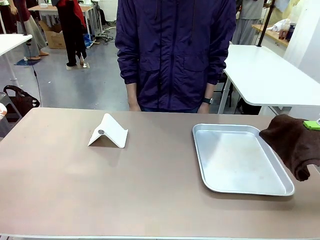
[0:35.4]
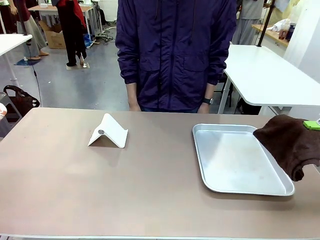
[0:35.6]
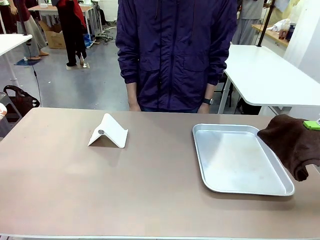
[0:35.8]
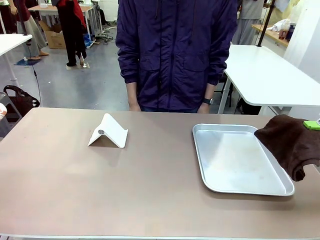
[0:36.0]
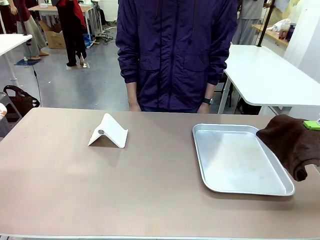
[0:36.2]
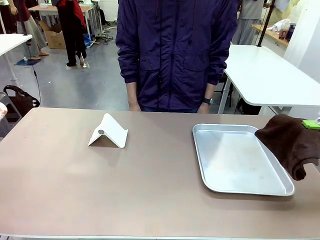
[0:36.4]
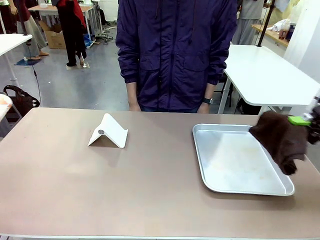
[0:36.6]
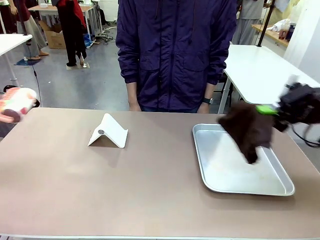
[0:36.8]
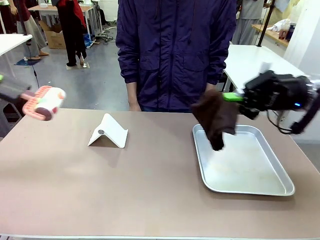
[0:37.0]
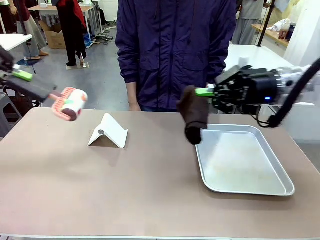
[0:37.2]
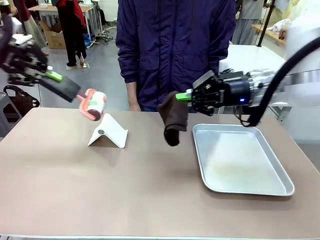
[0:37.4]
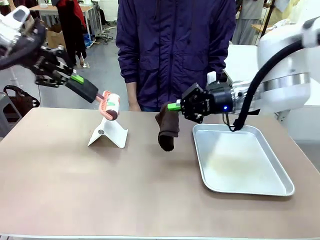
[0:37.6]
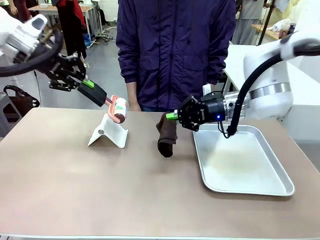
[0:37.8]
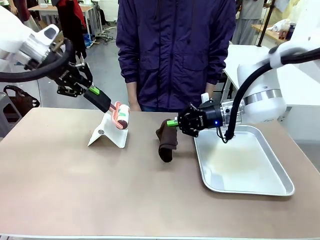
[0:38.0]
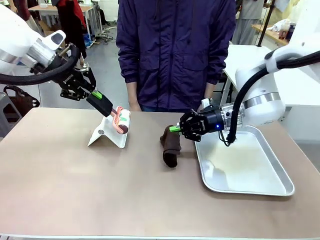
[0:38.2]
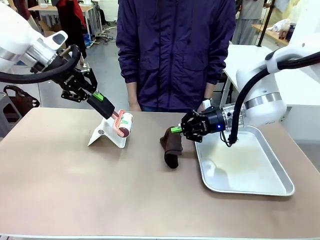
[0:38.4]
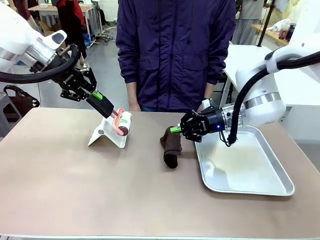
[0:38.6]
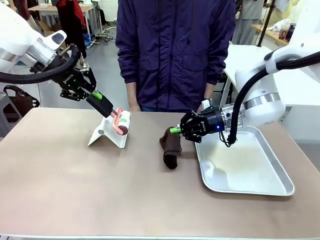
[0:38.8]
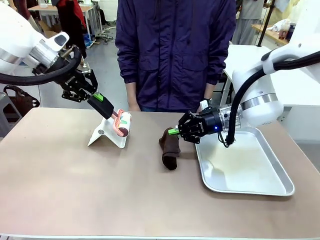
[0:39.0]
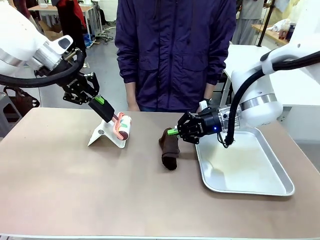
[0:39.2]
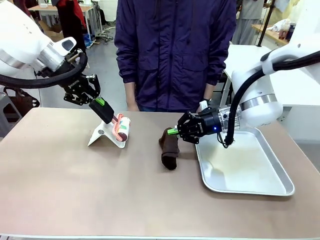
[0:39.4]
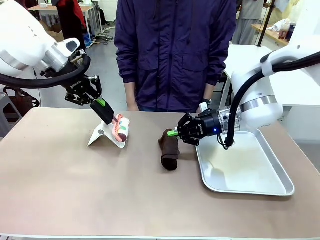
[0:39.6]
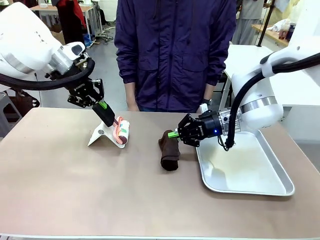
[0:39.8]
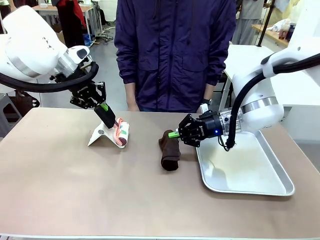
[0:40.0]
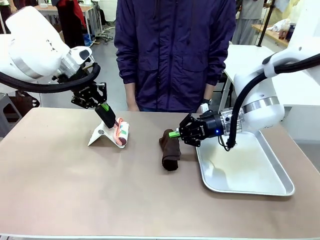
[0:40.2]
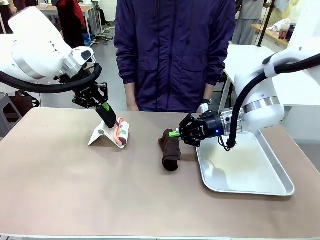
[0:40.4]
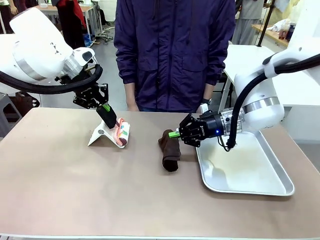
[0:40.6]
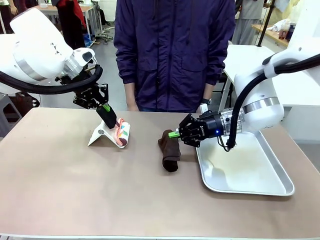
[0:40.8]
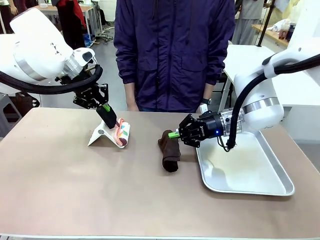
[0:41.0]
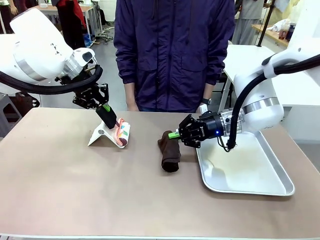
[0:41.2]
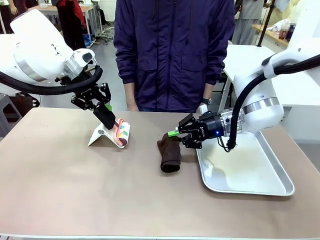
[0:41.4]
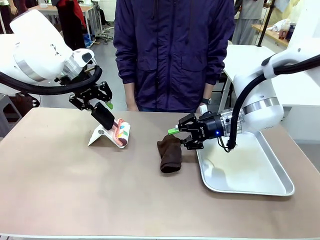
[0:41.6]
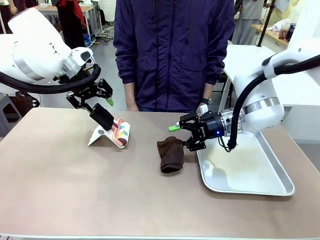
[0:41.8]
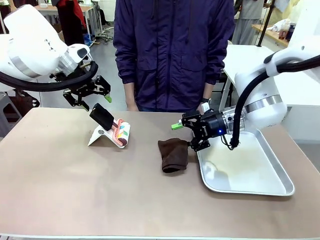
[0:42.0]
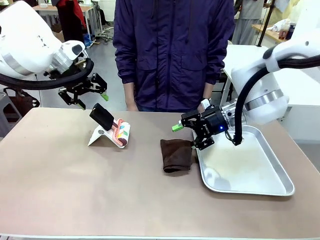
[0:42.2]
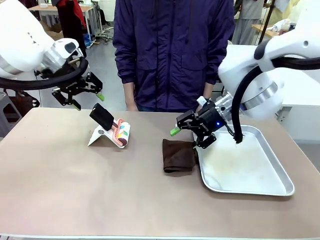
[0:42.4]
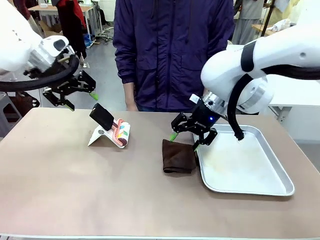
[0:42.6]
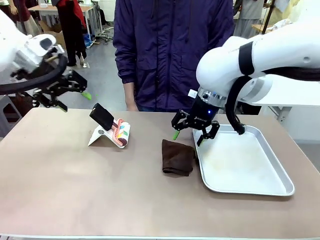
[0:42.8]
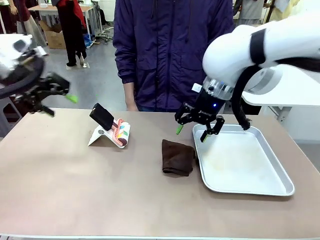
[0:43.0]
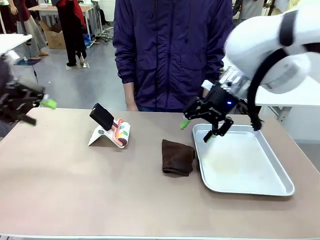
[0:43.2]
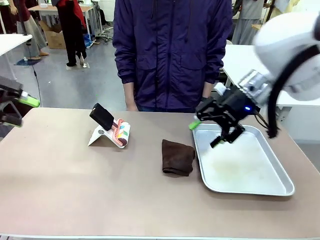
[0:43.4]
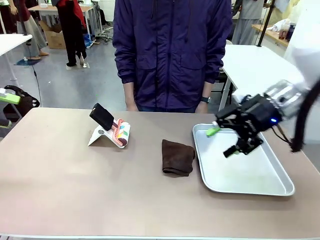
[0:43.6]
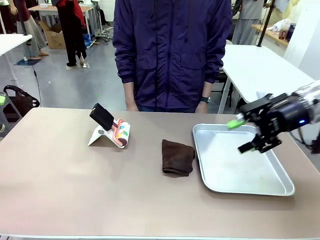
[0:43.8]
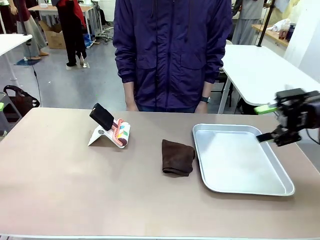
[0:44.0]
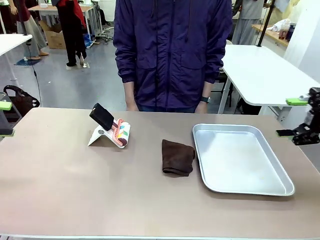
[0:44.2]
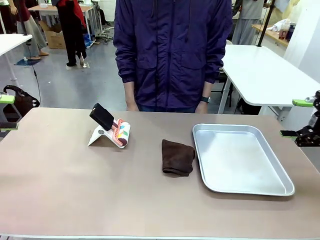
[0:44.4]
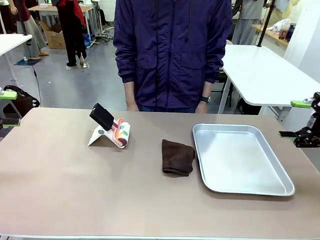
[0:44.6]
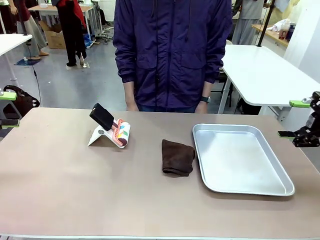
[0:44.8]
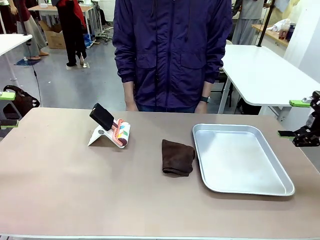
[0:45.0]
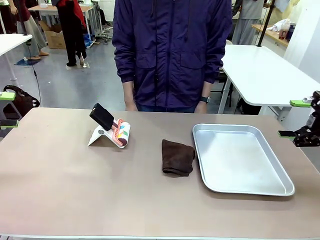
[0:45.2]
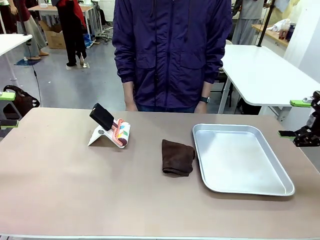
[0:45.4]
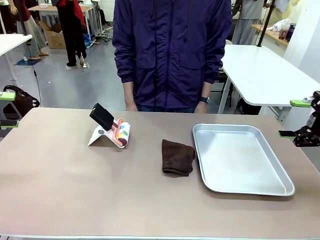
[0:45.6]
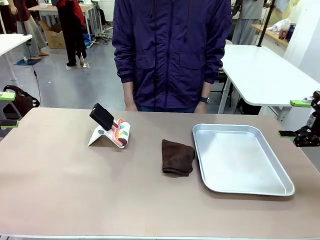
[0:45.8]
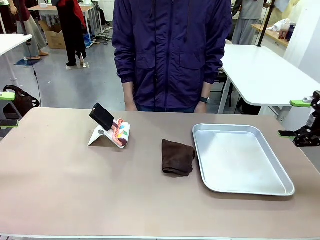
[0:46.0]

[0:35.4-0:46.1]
Task: Clean the surface of the table.
Robot: Return the Lint Roller and towel to their original positions.

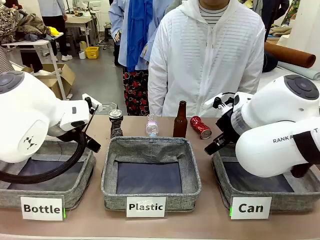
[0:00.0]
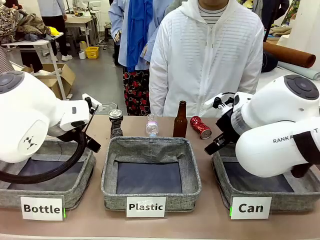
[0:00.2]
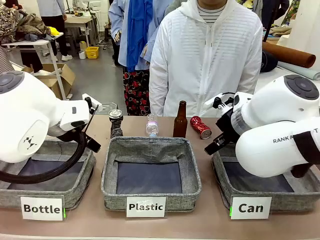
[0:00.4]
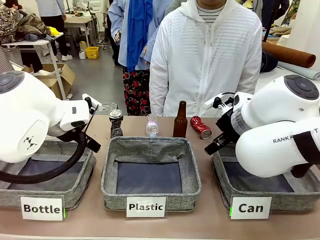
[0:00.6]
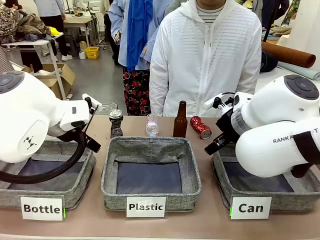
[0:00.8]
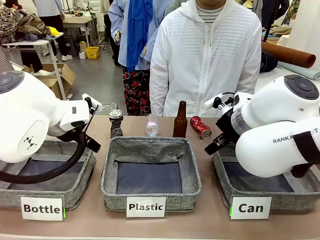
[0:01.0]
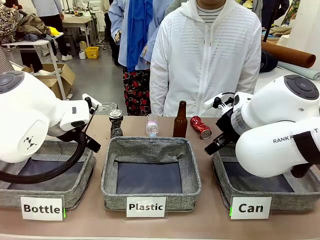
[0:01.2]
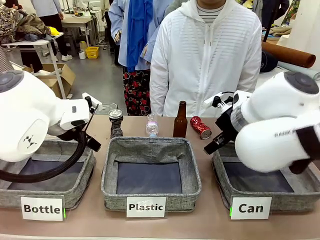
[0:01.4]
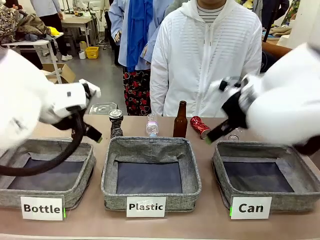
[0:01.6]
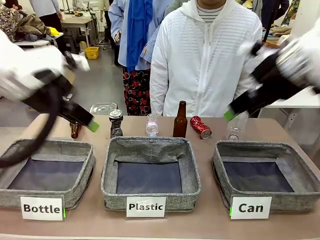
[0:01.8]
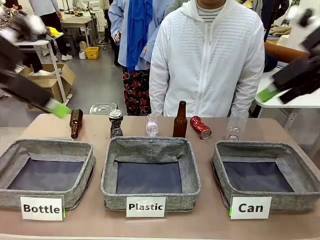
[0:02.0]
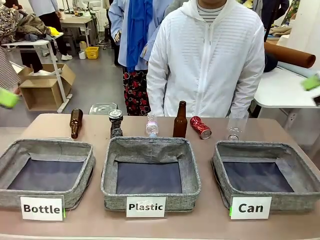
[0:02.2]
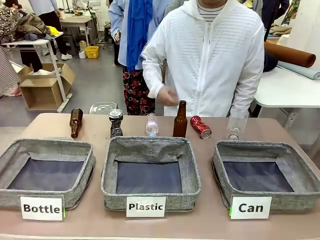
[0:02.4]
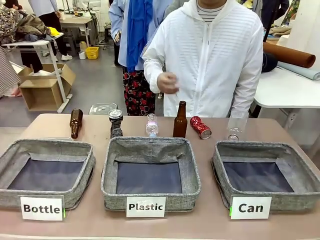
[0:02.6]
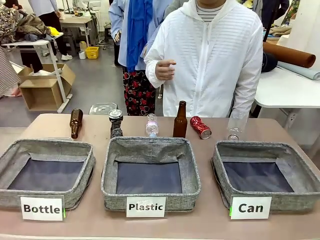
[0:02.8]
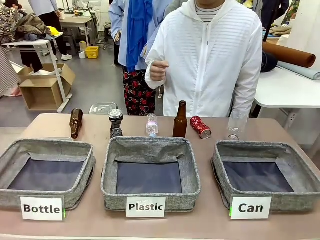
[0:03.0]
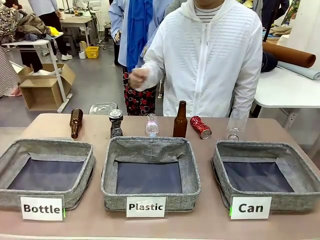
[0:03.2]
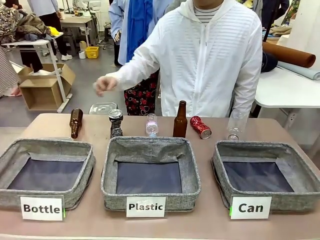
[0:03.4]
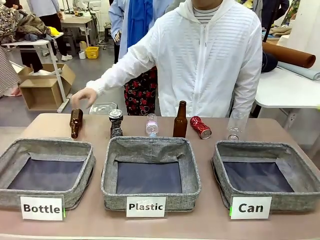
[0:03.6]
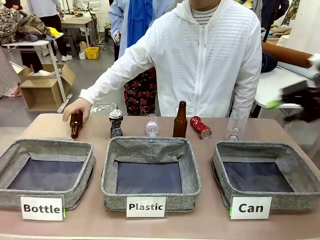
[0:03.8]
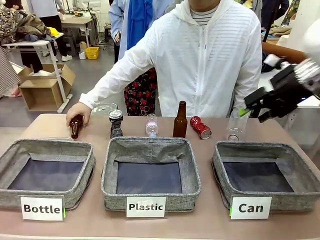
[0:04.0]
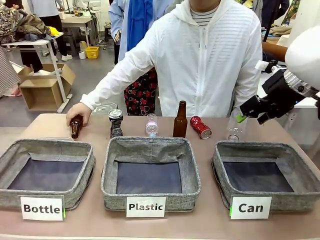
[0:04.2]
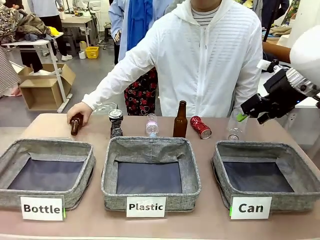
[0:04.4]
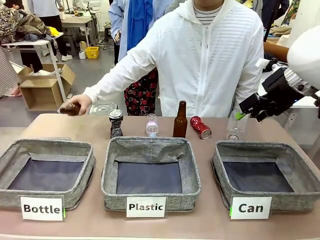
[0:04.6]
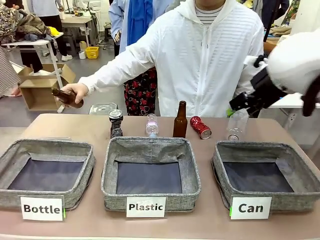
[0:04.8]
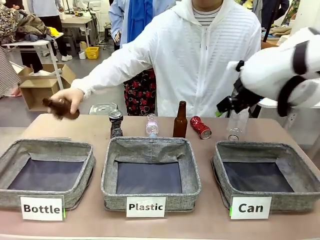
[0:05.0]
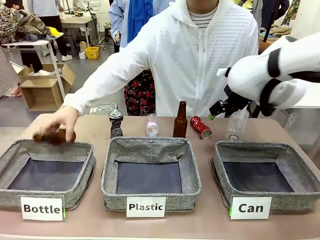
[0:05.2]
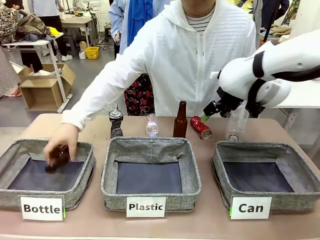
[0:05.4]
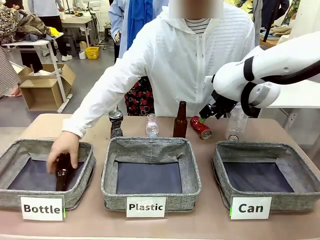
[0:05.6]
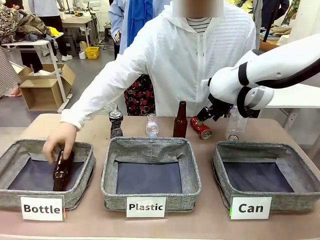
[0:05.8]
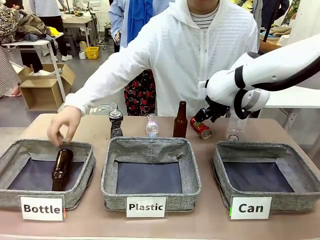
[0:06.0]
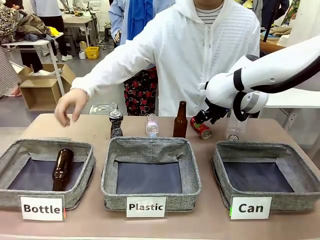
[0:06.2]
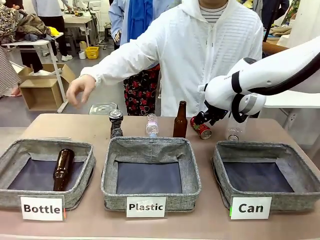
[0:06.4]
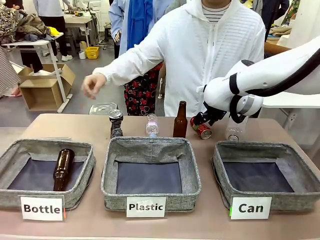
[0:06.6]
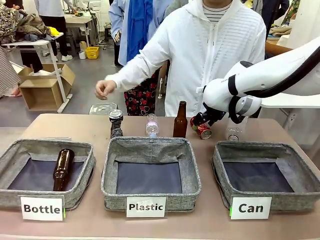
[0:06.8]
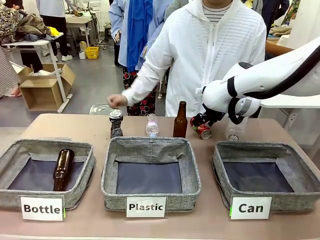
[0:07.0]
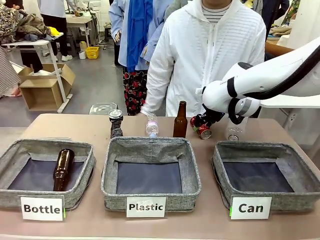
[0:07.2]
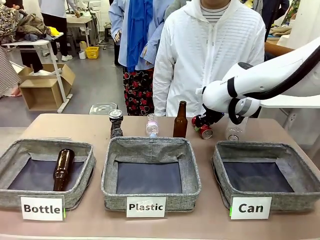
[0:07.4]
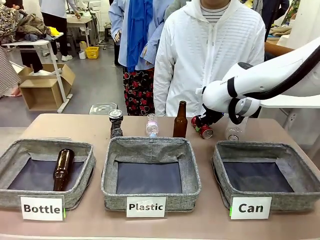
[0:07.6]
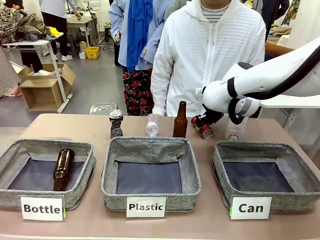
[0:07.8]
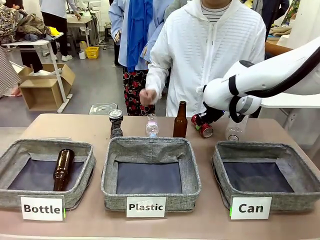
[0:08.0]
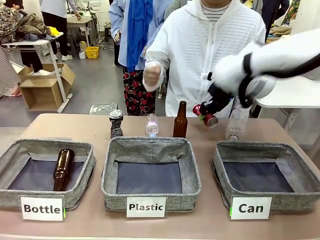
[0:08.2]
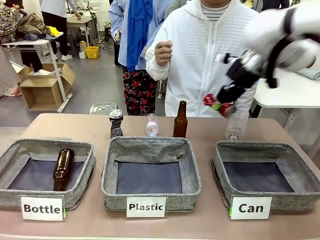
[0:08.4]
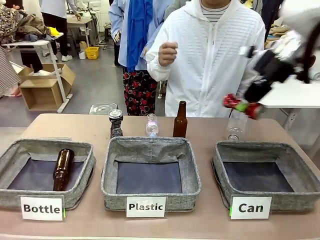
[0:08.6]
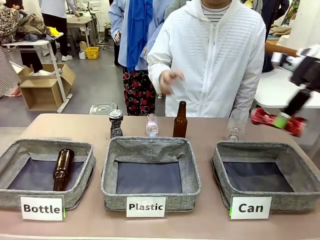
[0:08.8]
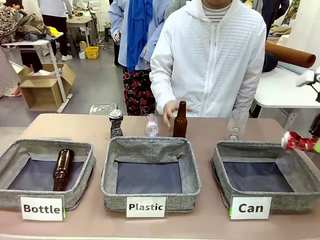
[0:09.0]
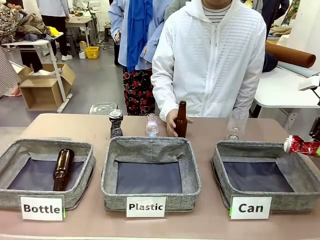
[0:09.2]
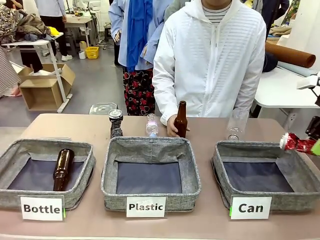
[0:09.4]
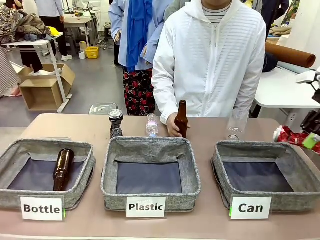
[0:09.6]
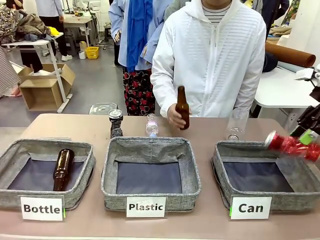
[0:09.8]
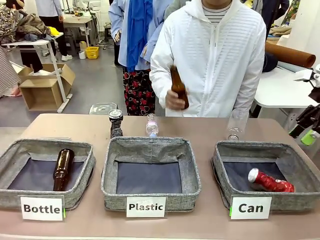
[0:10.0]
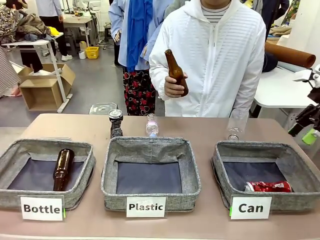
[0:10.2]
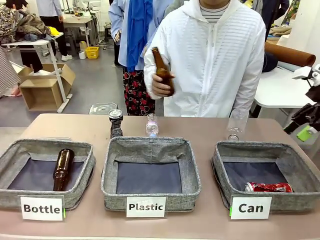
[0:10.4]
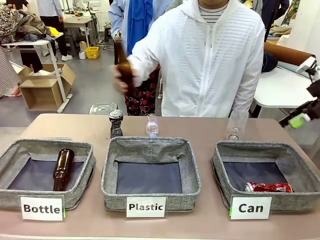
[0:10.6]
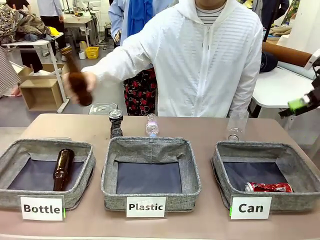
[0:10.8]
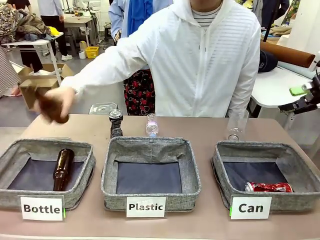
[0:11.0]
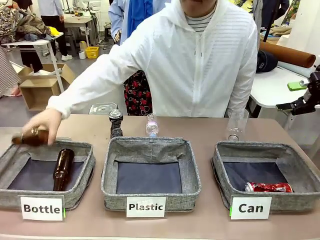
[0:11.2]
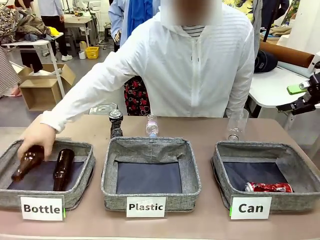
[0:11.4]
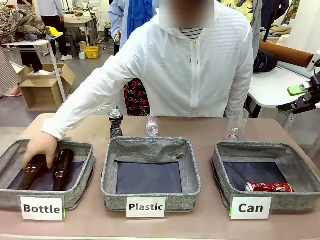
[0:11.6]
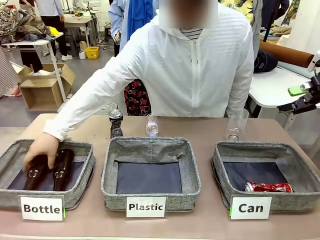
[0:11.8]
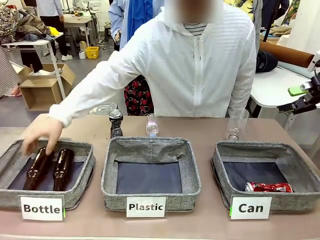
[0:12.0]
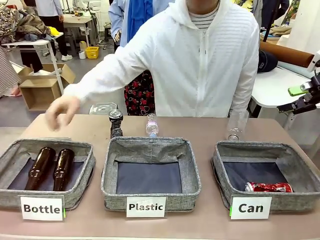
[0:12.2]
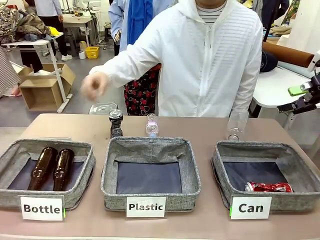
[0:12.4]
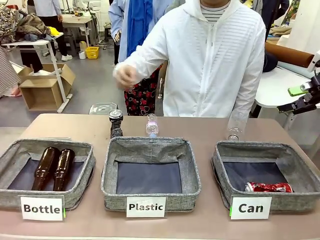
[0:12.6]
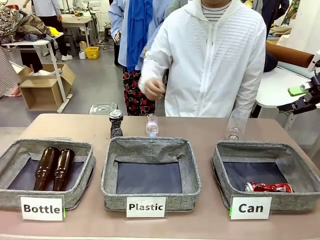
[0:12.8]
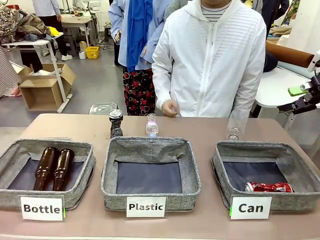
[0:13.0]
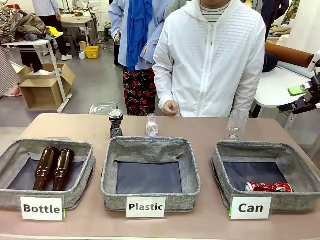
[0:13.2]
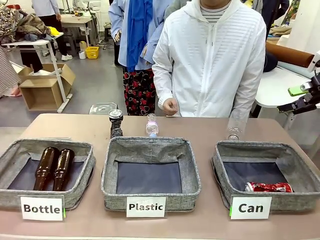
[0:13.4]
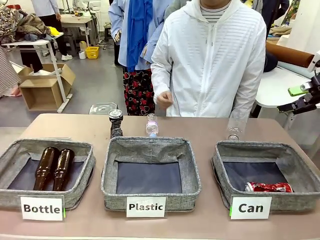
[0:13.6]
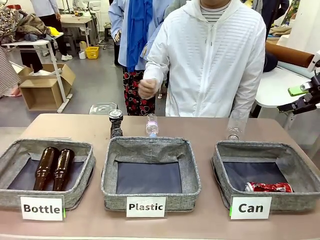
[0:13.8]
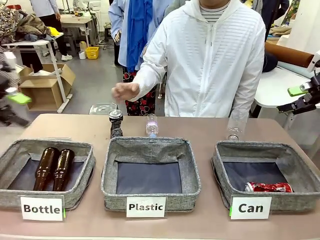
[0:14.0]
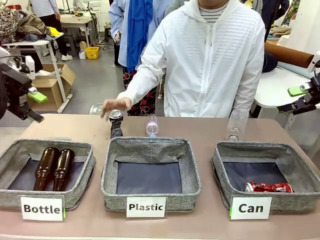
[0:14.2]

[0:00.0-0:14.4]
Task: Sort the can waste into the basket.
Robot: Pick up the can waste from the table and place it in the right Fabric basket.
